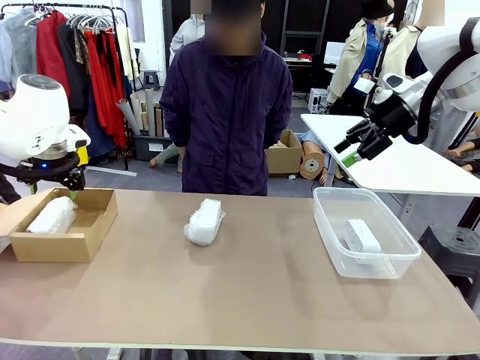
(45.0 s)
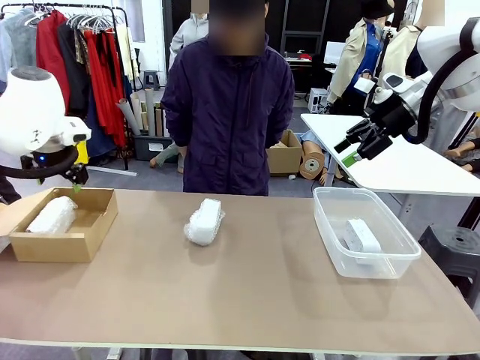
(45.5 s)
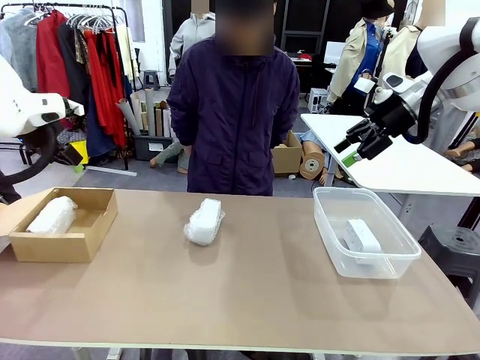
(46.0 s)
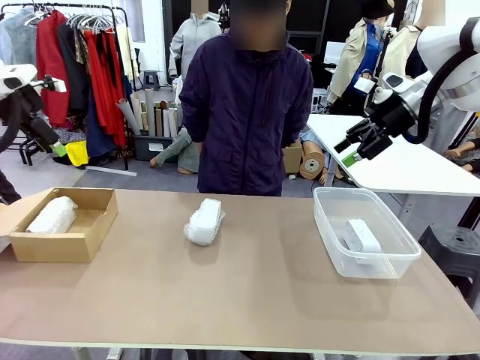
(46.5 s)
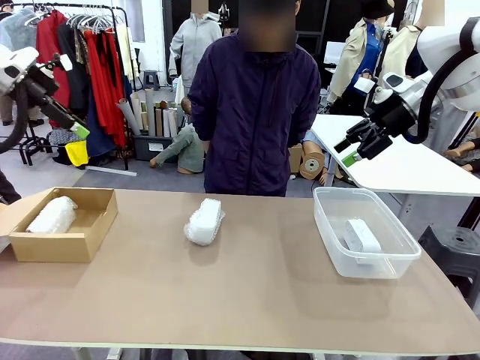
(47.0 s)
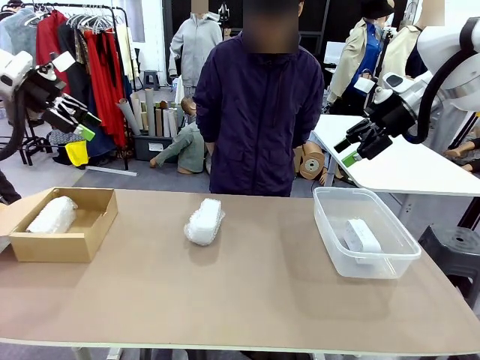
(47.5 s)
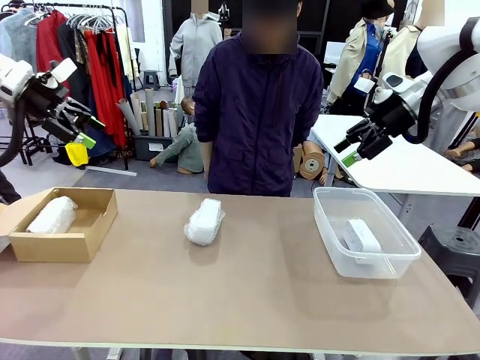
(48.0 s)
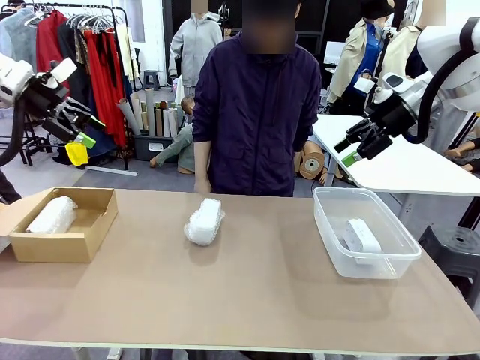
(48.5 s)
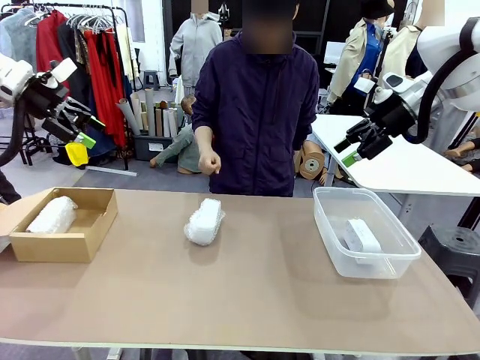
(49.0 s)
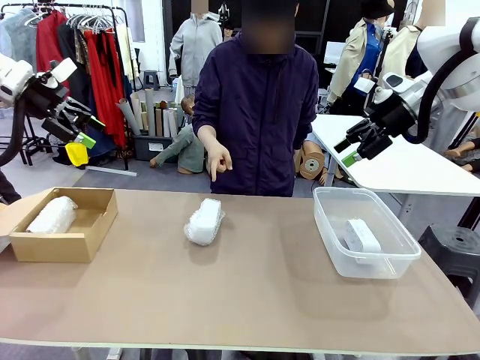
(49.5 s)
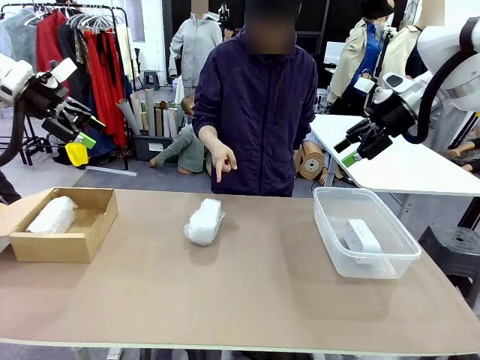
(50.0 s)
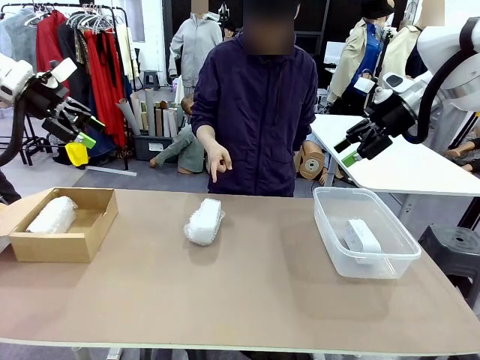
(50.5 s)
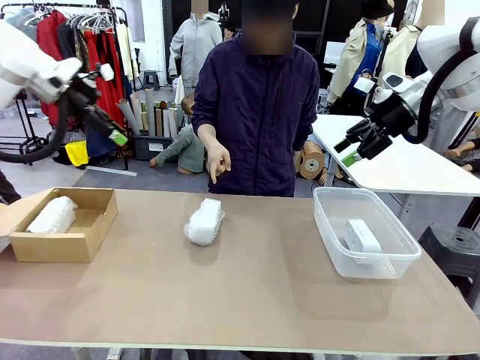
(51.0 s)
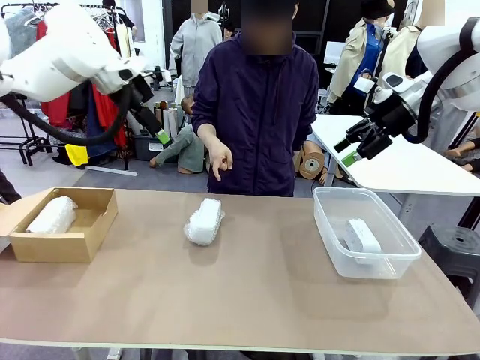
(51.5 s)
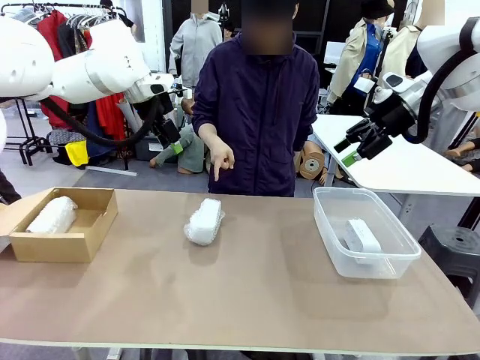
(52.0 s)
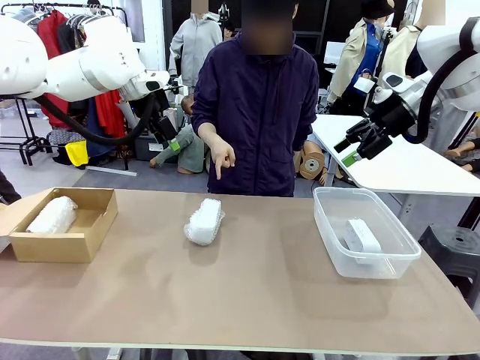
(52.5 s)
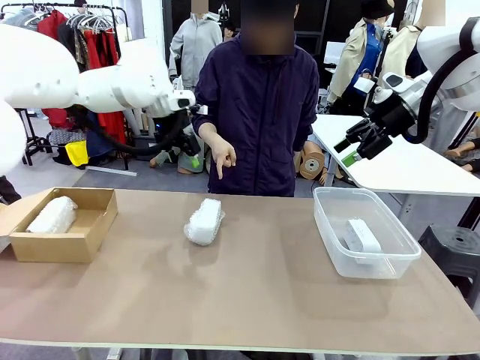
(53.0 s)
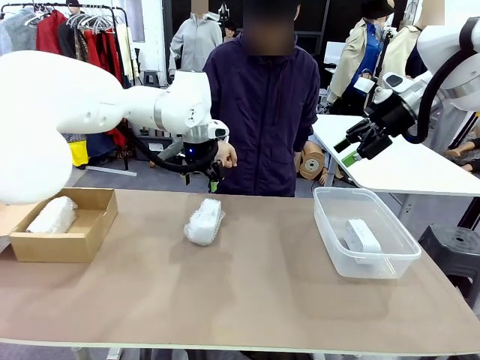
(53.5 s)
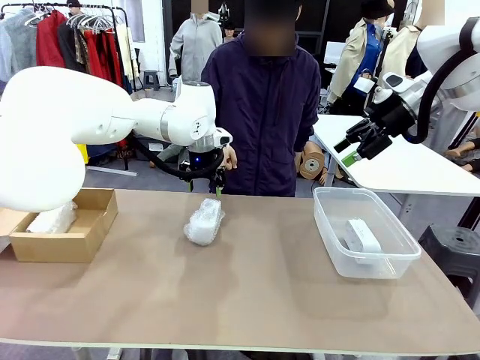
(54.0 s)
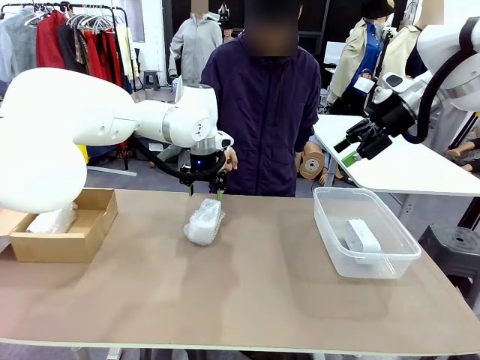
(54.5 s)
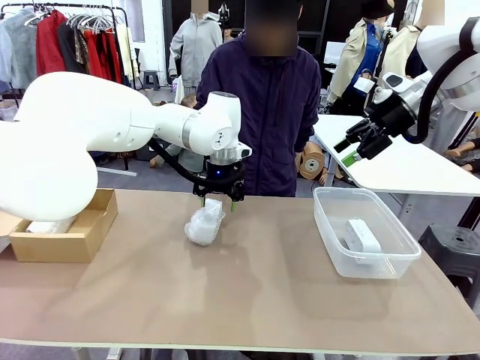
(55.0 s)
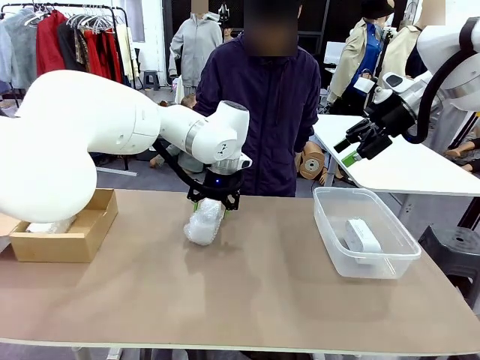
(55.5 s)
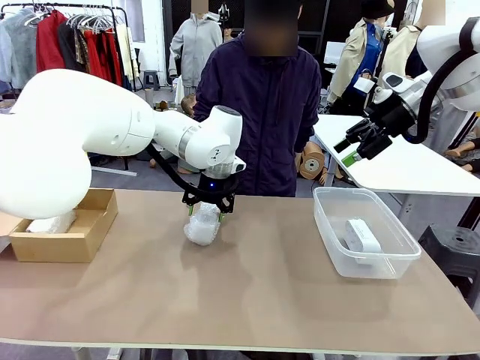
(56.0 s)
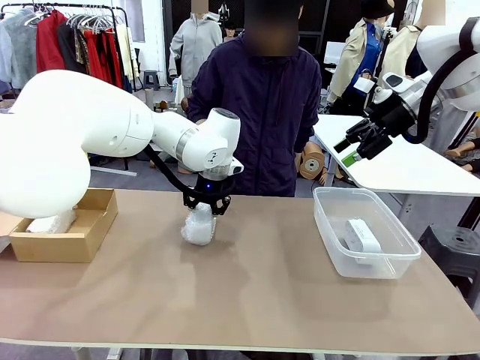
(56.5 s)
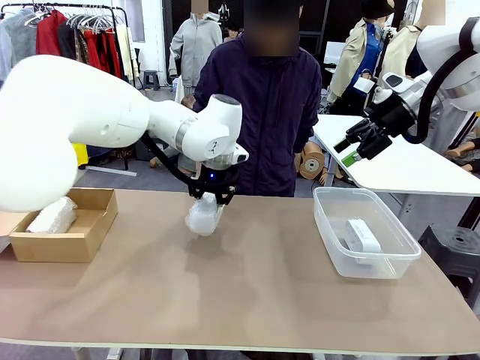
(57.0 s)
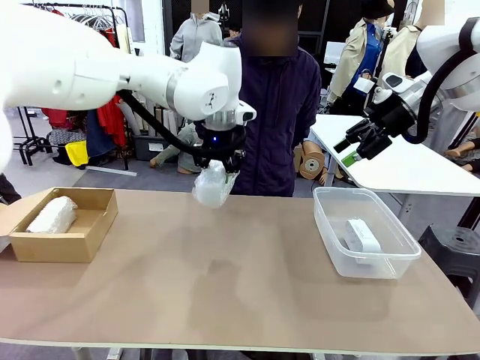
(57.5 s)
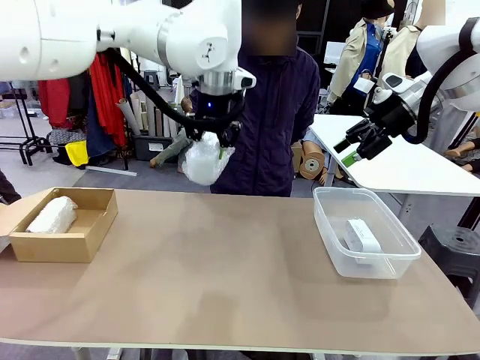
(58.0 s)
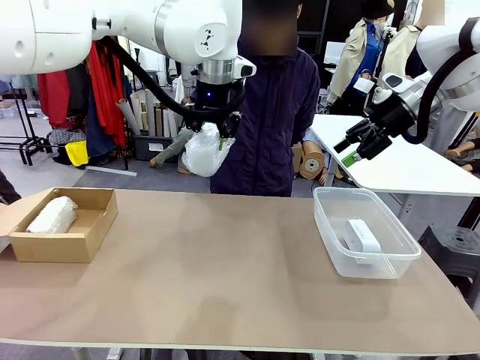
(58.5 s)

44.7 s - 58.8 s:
Task: Separate and place wrapped and unwrapped clocks.
Robot: Pick up the Digital clock indicated by the person.

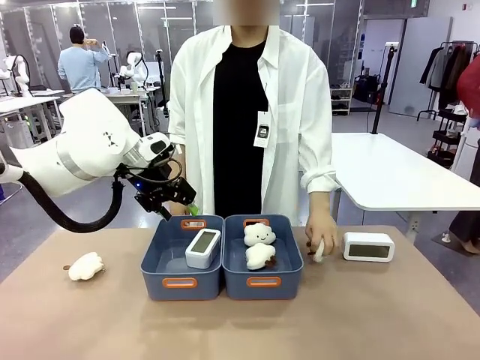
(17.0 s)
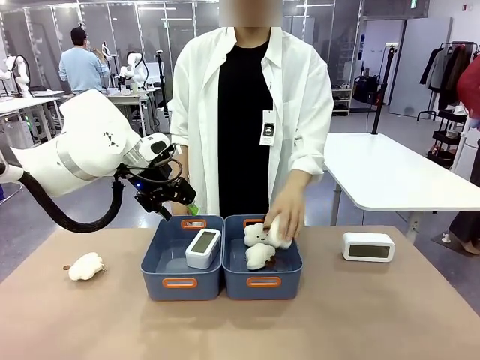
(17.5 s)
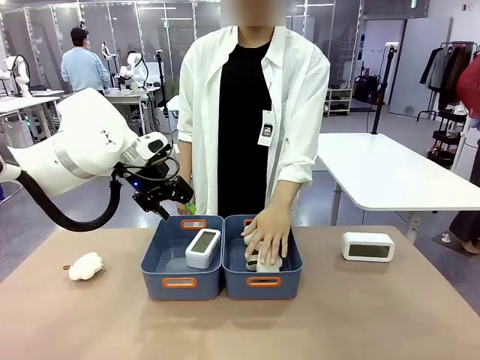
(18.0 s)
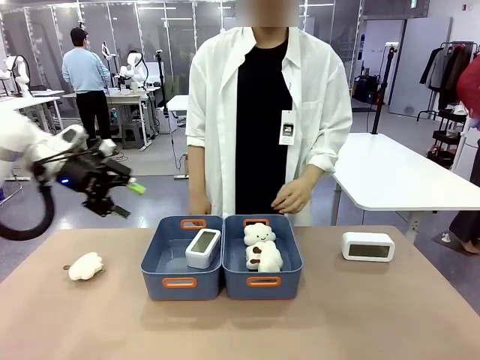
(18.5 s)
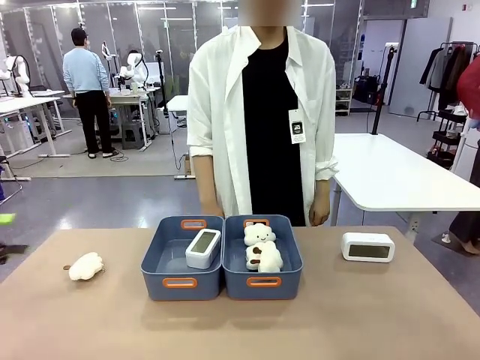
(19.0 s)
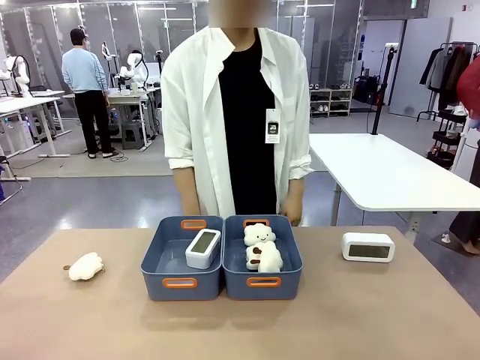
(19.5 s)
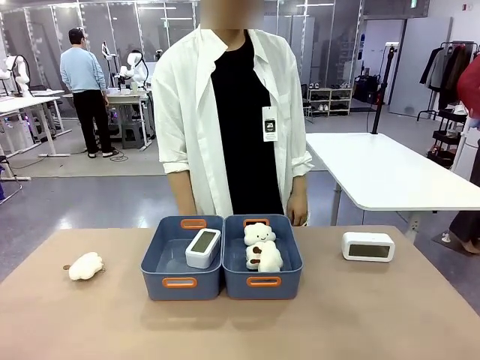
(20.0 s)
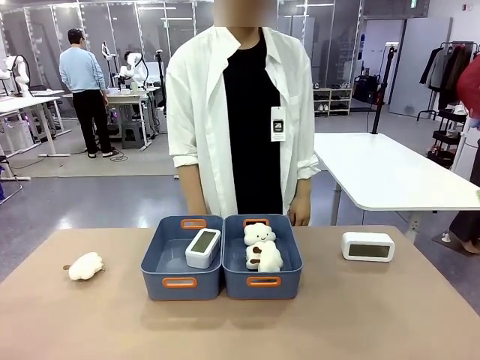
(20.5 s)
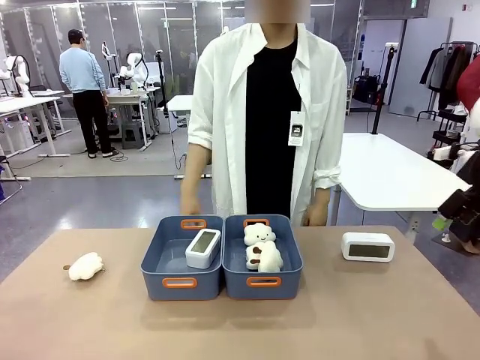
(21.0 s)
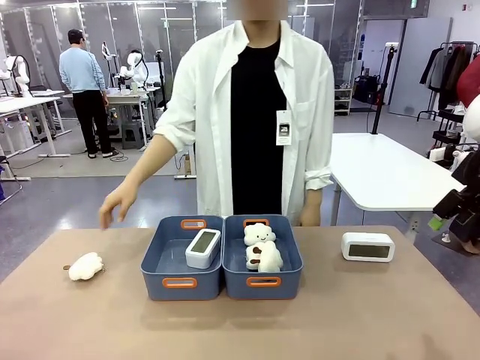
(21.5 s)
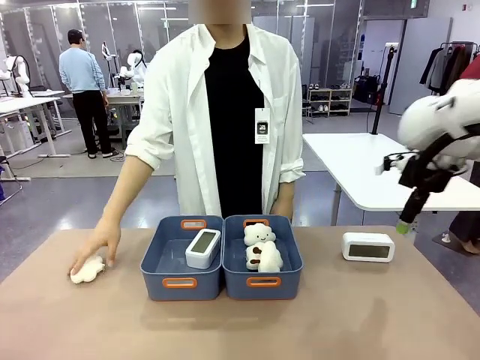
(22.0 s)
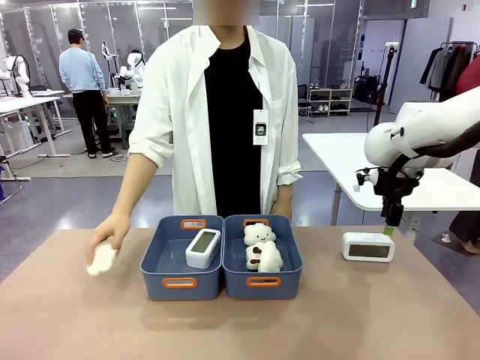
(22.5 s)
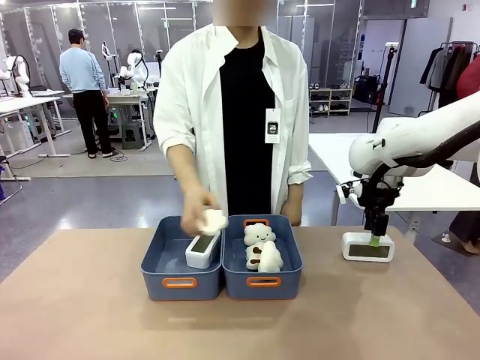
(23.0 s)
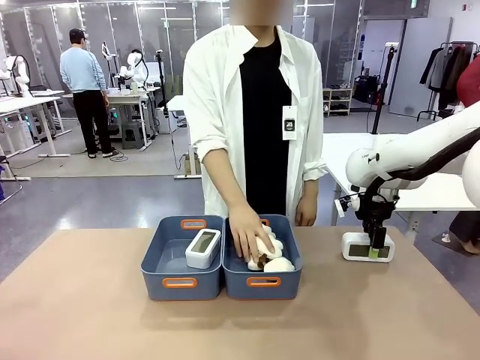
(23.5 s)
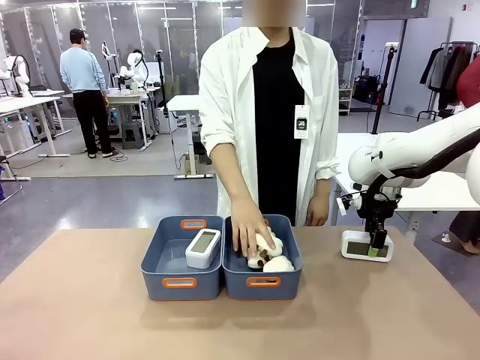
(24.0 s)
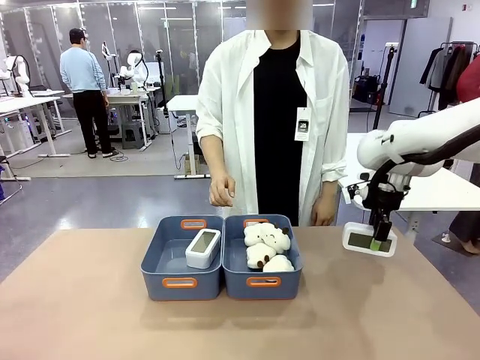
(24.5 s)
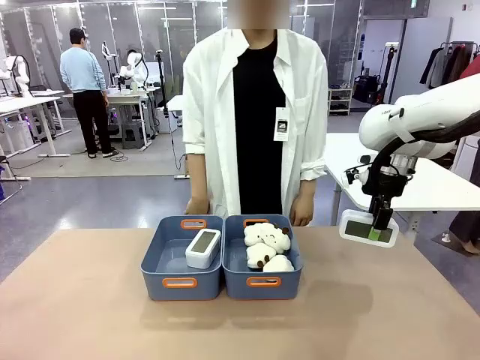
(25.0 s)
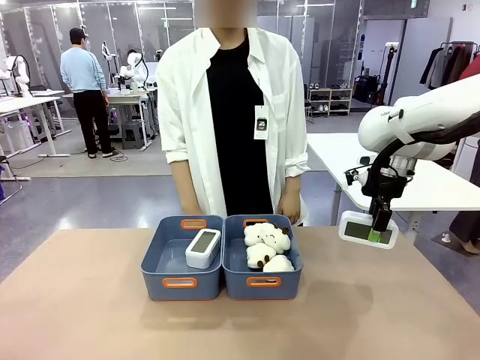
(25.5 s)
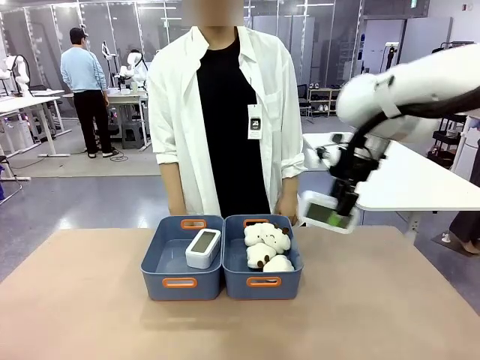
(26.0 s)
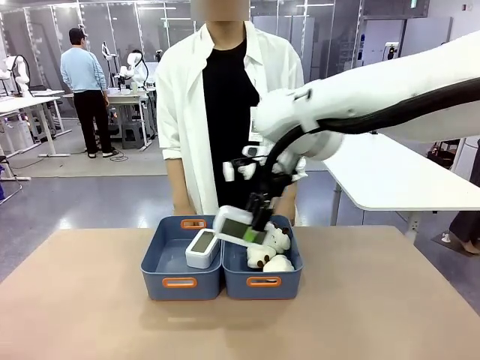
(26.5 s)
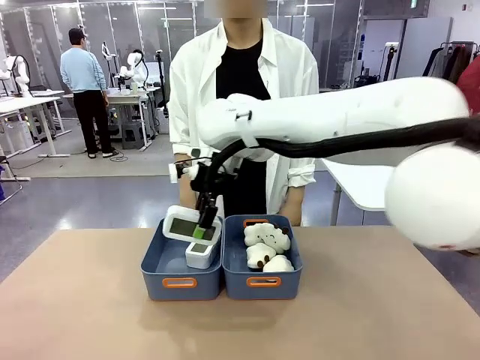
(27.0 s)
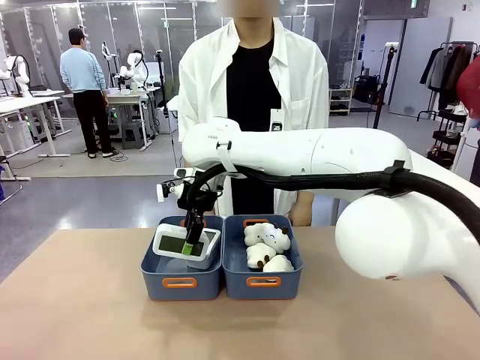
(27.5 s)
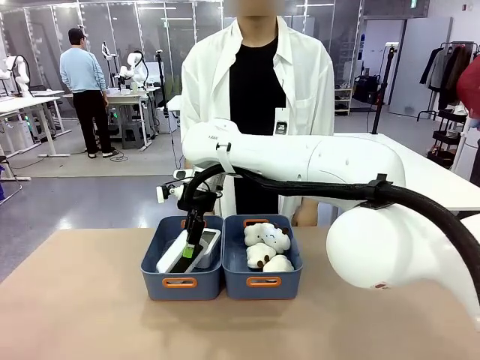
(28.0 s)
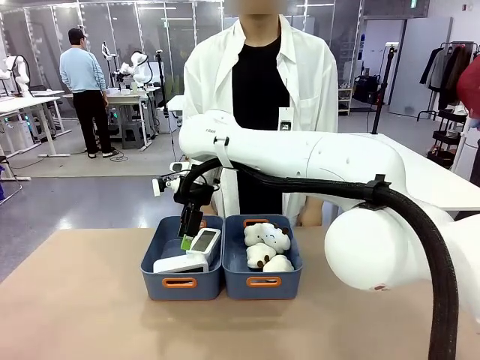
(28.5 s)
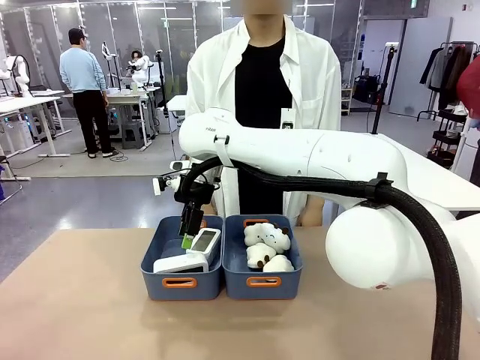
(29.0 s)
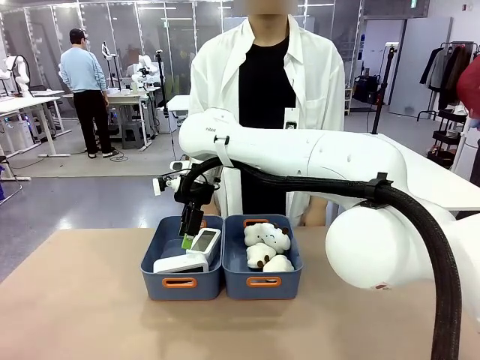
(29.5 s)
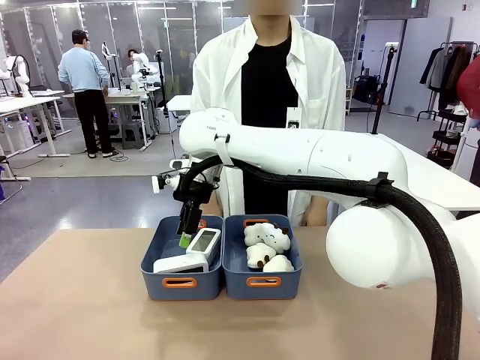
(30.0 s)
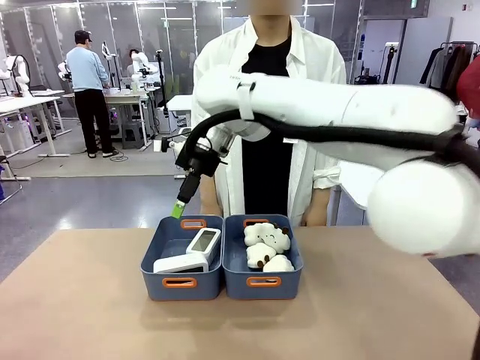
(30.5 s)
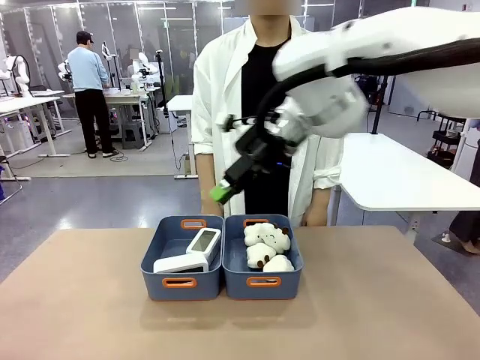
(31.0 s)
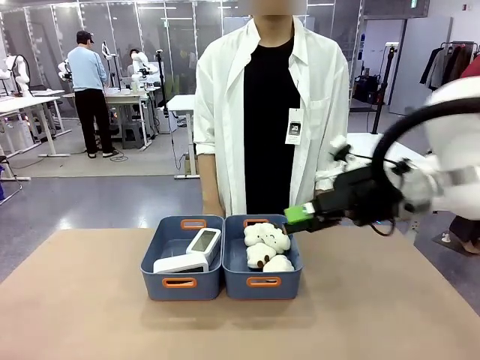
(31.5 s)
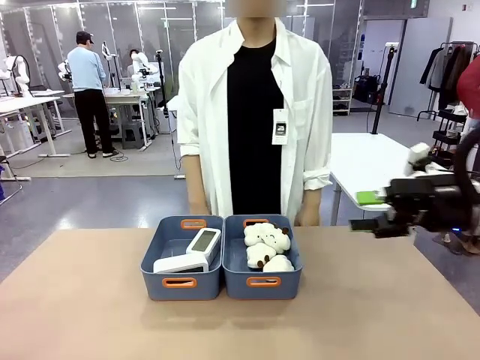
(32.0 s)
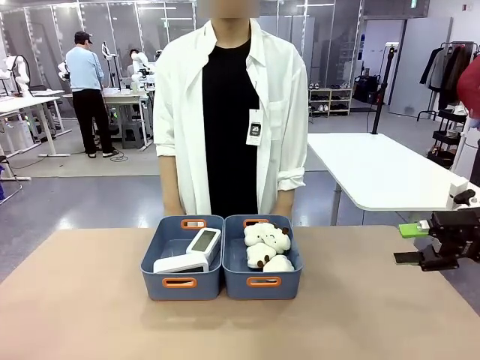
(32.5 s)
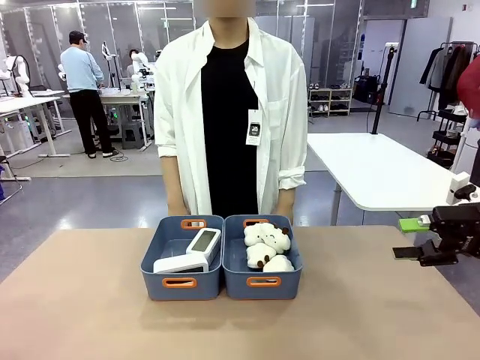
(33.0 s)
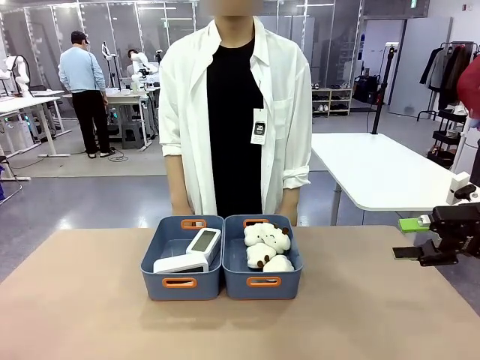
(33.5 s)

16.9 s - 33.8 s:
Task: Sort the digital clocks into the basket.
Robot: Pick up the Digital clock from the table and place it into the empty Plastic storage basket.
Person: Pick up a plush toy from the table and place it in the plastic storage basket containing the plush toy.
